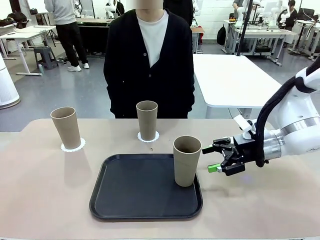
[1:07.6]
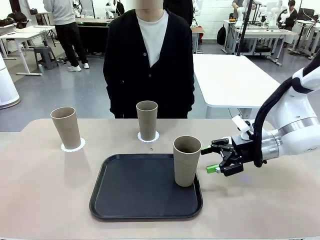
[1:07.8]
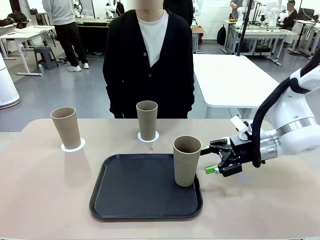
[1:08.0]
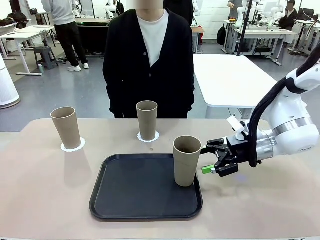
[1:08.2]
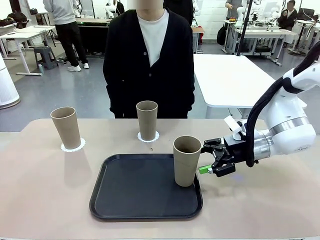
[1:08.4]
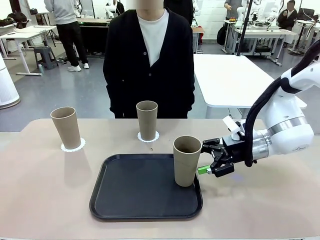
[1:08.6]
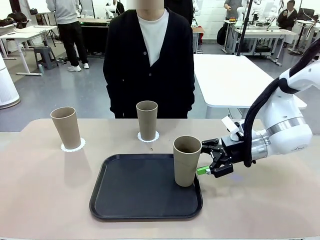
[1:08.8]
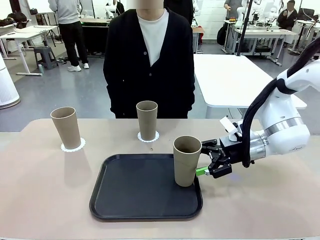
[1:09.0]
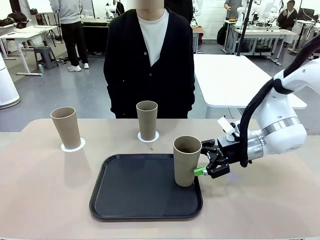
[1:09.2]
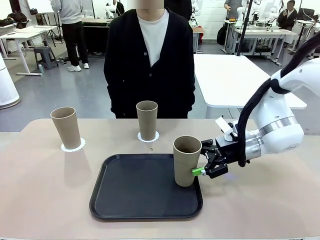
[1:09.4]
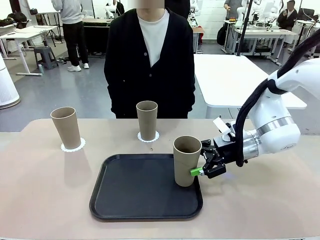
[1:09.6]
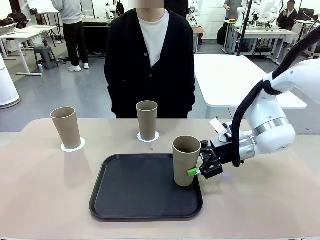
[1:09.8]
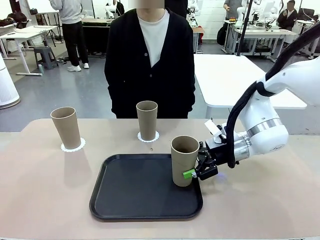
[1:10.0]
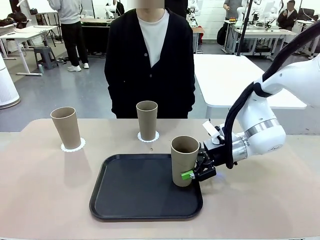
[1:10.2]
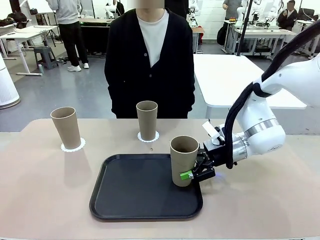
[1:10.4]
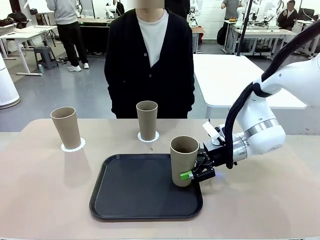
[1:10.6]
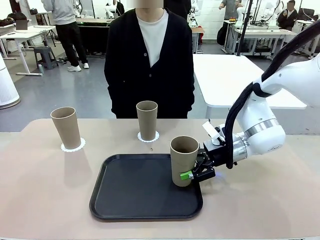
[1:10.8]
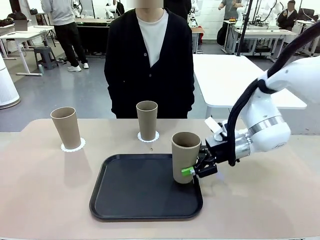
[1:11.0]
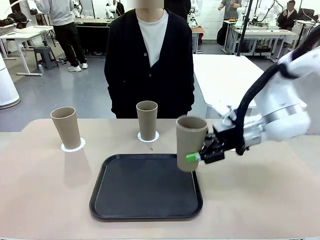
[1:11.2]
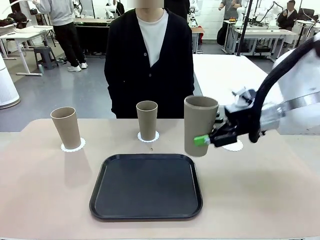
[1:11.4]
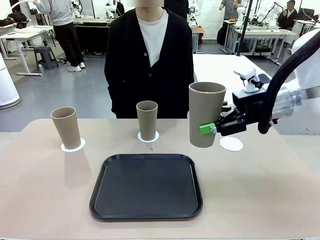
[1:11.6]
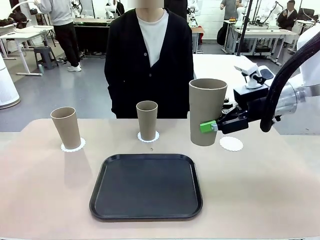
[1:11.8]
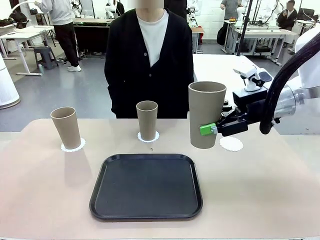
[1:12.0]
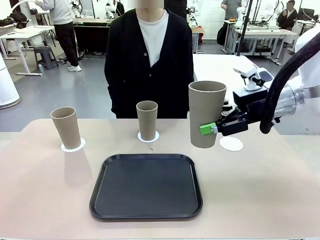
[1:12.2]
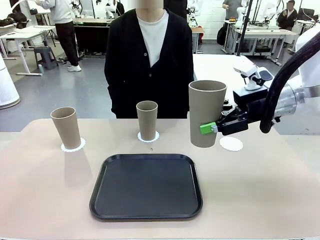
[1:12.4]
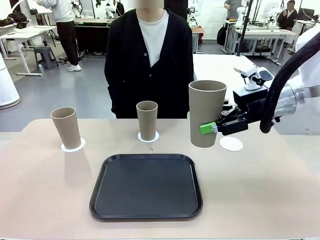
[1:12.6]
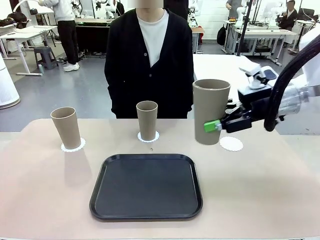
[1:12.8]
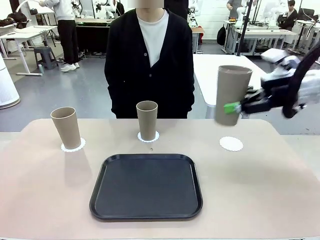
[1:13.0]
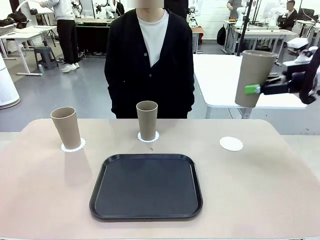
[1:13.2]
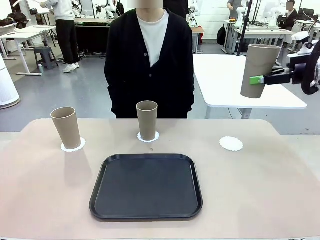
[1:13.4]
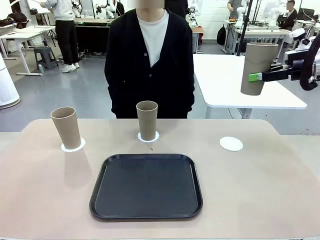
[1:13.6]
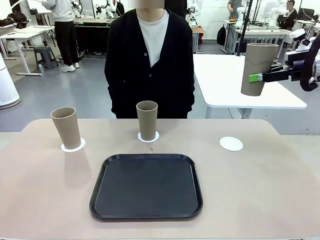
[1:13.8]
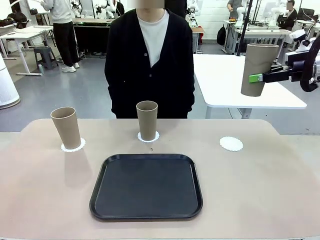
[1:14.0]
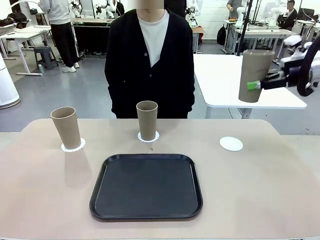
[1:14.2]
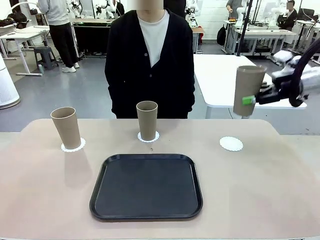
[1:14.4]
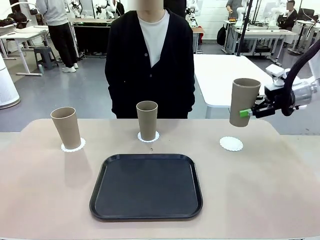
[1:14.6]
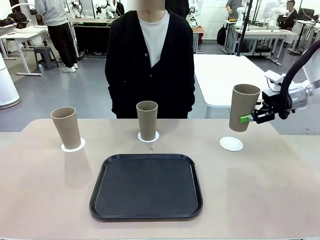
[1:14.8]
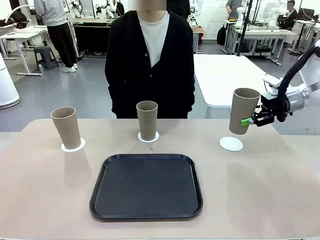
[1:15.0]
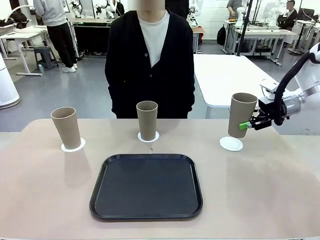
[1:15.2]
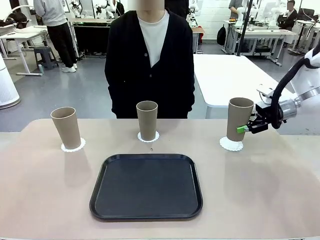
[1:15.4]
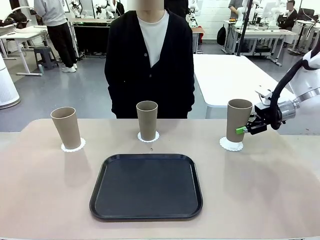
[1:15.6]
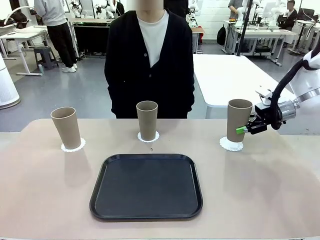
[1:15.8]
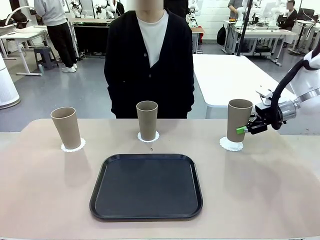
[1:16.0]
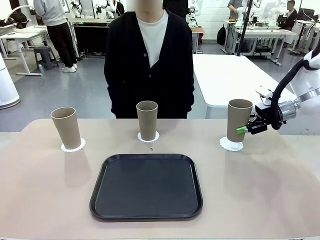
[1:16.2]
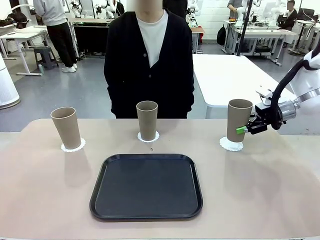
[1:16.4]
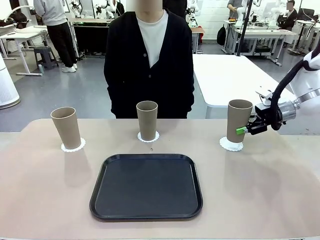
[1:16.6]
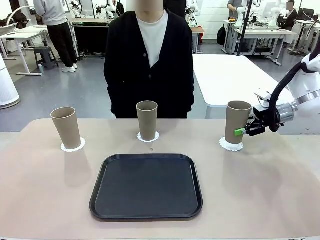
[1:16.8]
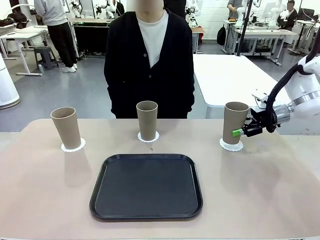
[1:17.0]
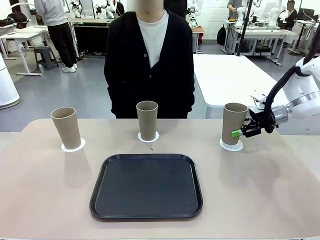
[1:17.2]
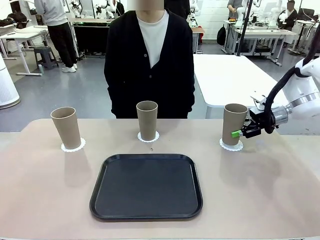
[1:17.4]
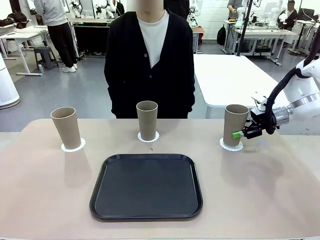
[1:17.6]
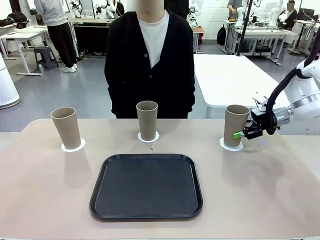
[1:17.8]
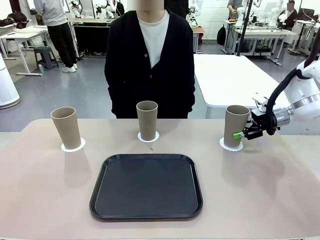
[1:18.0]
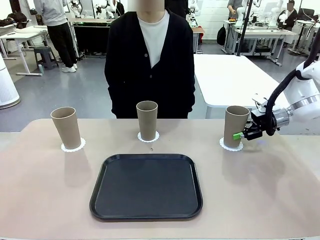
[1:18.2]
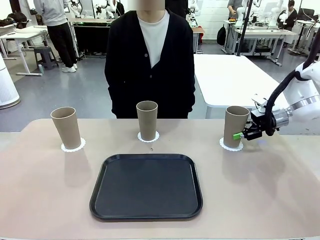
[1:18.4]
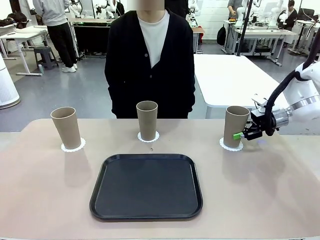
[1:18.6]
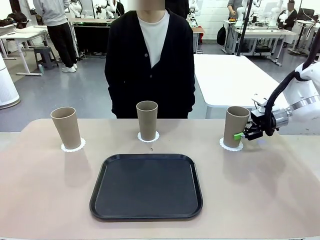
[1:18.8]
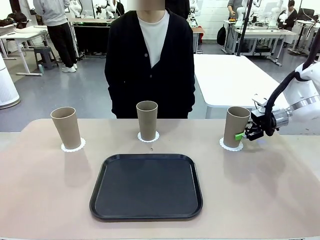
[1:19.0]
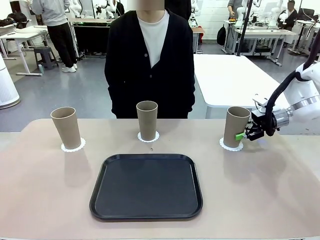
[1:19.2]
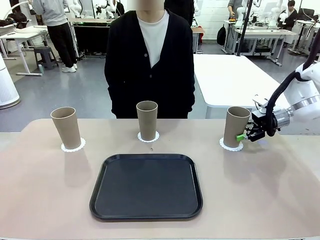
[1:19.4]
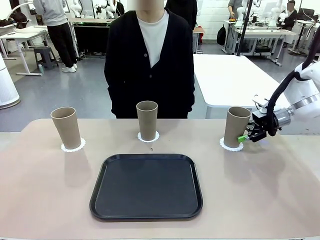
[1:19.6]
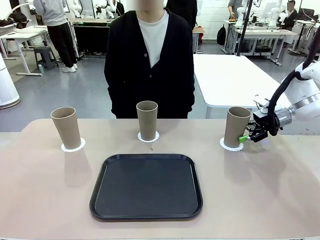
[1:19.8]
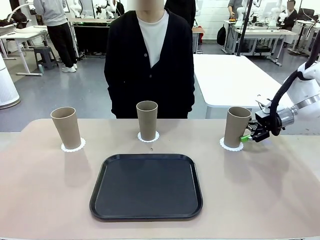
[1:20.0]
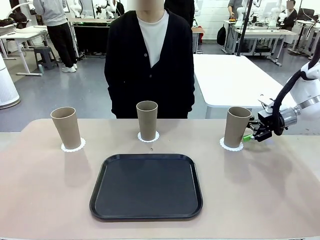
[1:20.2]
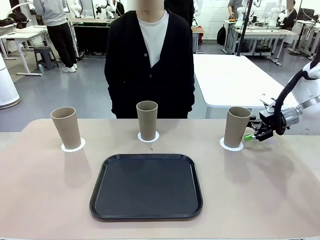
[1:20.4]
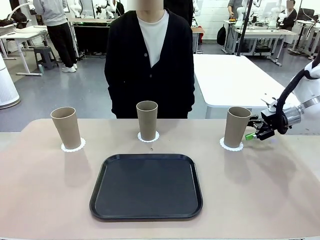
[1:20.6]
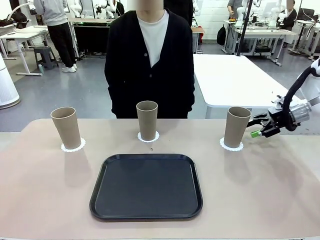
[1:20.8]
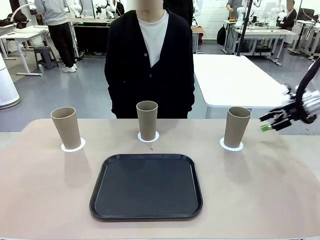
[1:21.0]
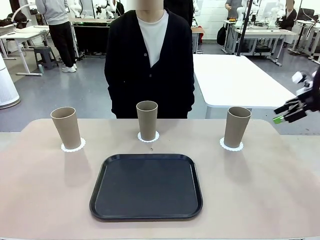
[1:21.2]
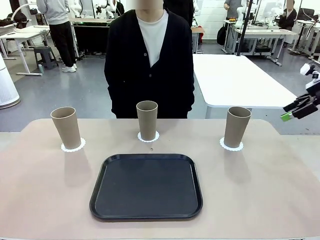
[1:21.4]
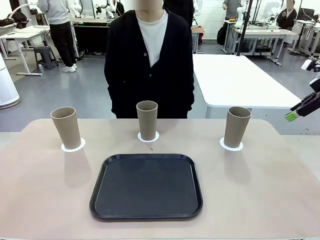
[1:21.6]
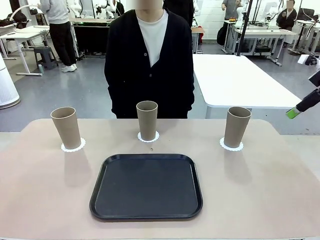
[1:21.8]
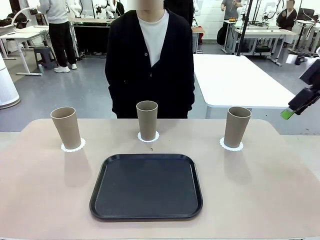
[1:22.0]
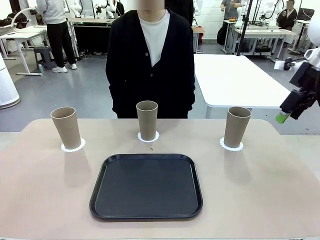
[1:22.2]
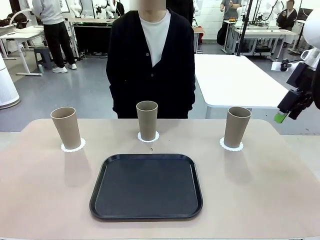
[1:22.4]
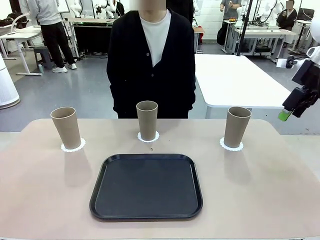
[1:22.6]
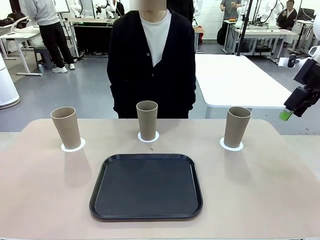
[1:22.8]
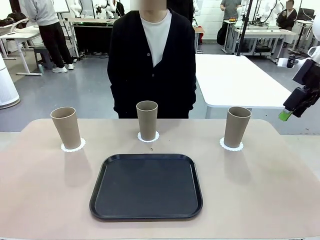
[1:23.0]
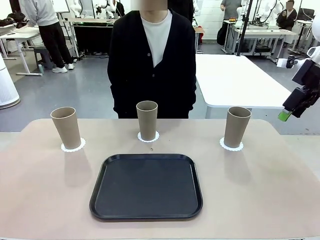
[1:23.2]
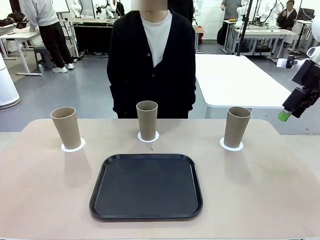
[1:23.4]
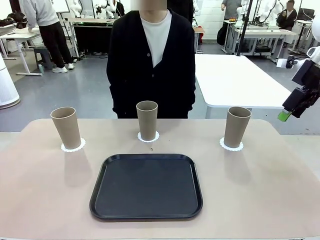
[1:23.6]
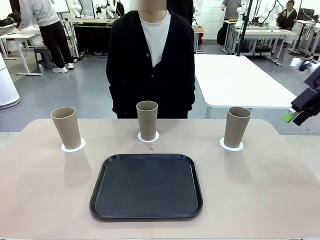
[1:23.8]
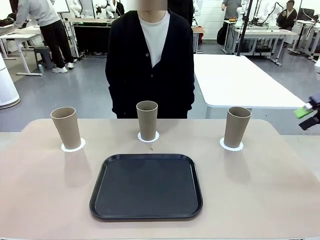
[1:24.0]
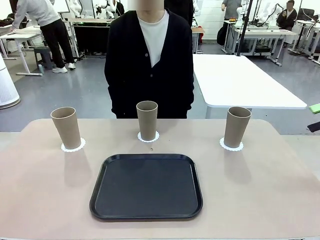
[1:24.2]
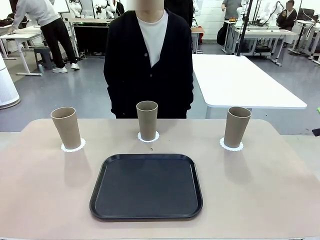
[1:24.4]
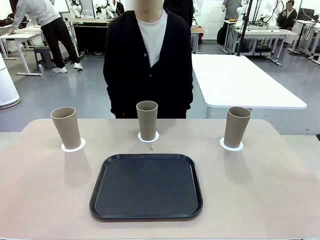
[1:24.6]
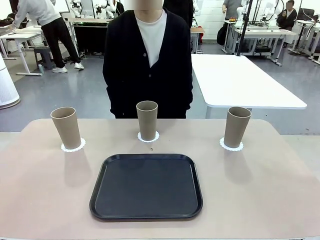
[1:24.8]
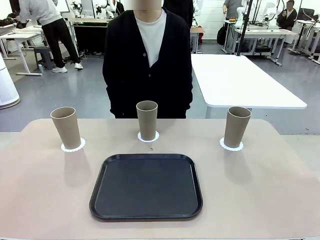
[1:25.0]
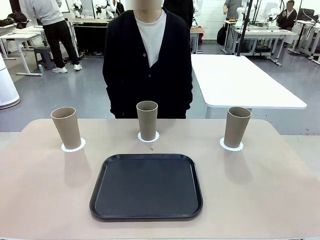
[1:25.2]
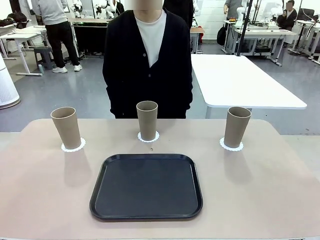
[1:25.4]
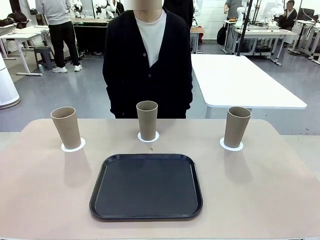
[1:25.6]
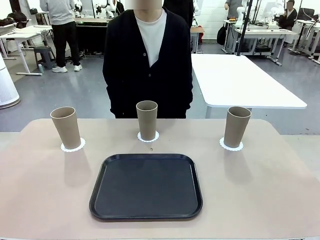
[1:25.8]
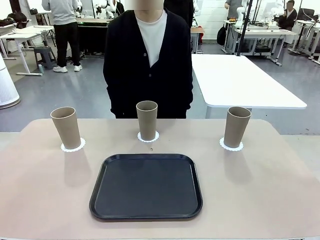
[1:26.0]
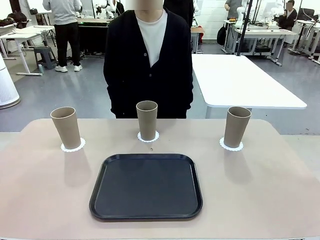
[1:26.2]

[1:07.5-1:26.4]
Task: Place coasters on the table and set cups on them.
Robot: Take one Reusable plastic cup from the Flat Tray and place it on a coaster set by the human.
